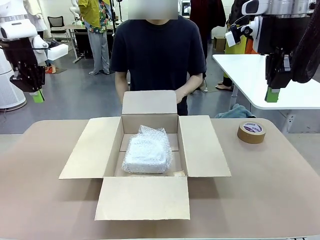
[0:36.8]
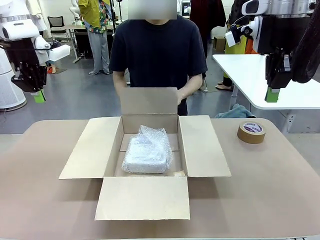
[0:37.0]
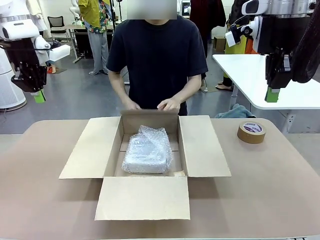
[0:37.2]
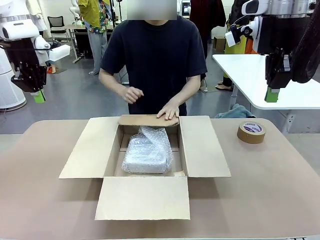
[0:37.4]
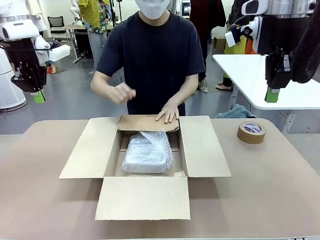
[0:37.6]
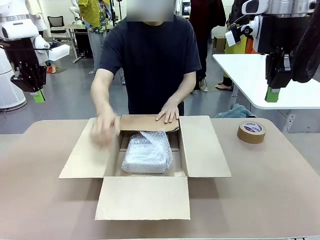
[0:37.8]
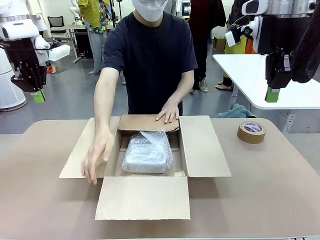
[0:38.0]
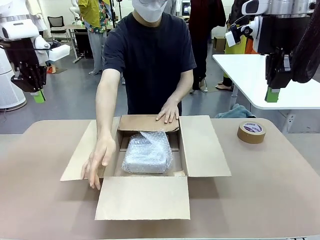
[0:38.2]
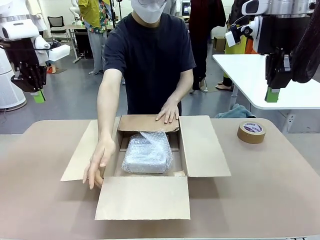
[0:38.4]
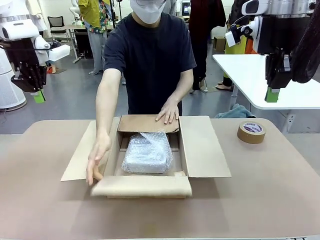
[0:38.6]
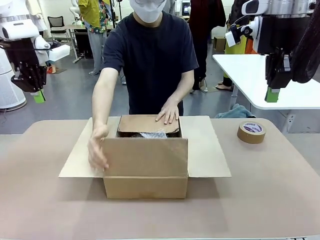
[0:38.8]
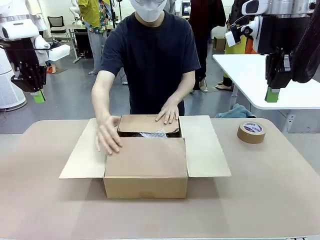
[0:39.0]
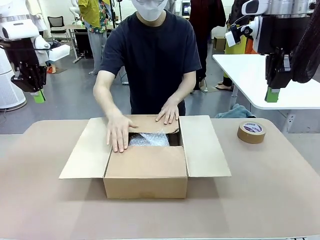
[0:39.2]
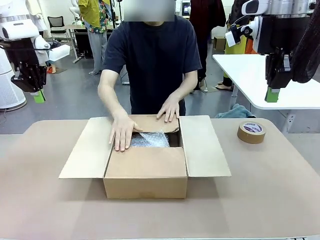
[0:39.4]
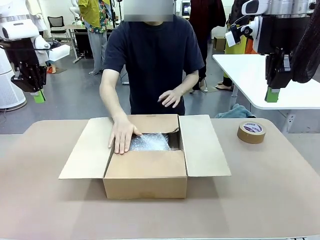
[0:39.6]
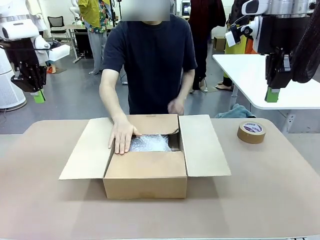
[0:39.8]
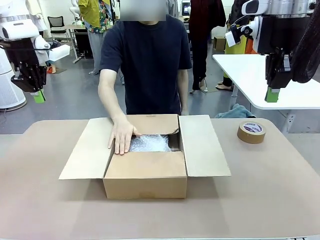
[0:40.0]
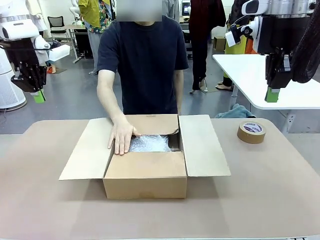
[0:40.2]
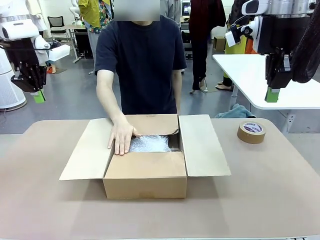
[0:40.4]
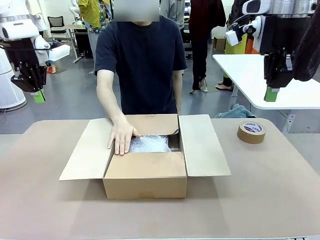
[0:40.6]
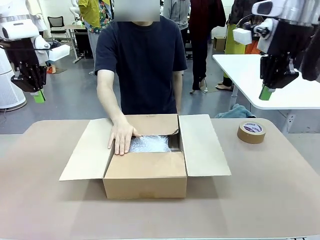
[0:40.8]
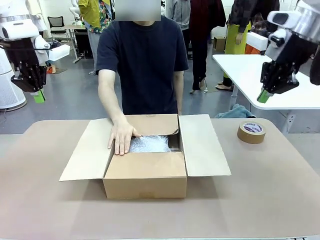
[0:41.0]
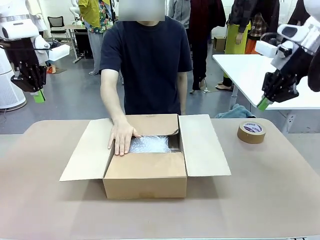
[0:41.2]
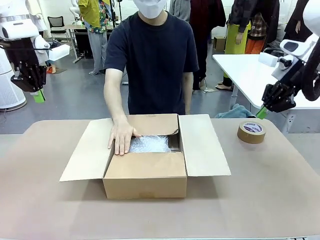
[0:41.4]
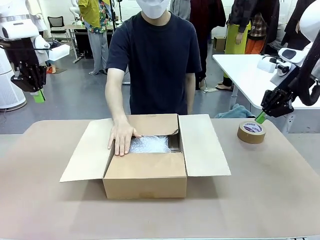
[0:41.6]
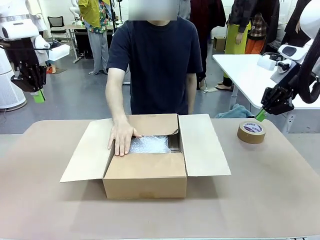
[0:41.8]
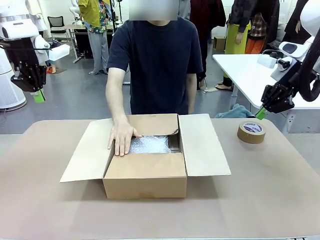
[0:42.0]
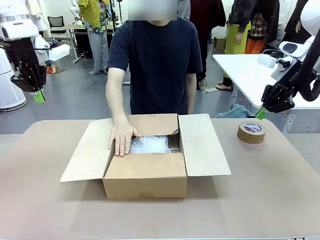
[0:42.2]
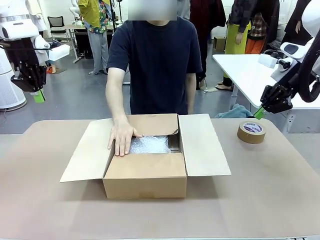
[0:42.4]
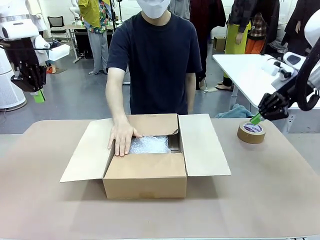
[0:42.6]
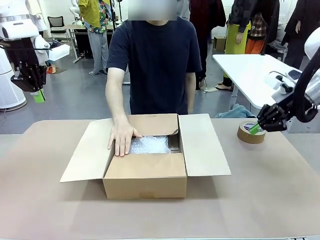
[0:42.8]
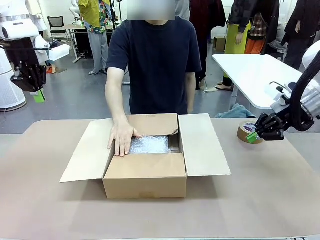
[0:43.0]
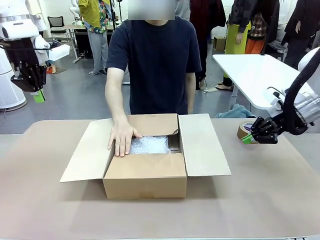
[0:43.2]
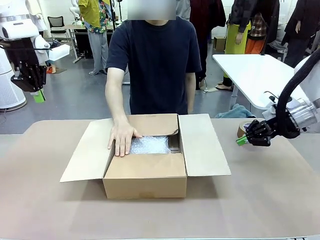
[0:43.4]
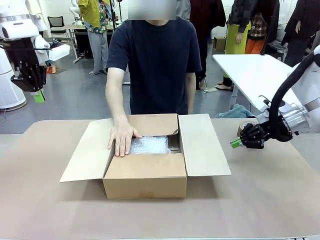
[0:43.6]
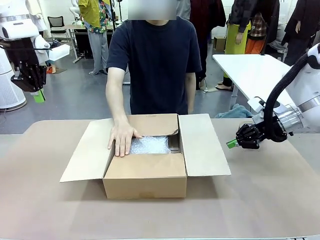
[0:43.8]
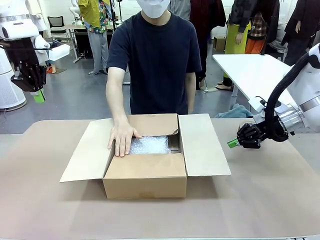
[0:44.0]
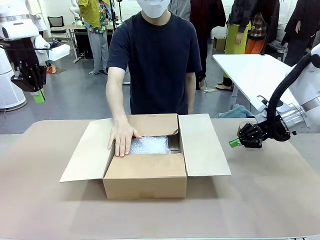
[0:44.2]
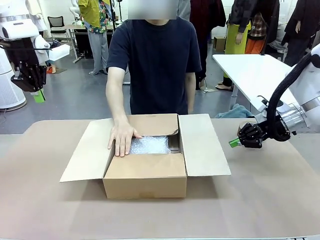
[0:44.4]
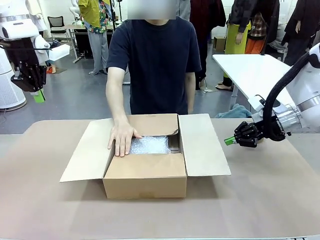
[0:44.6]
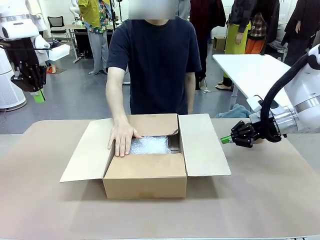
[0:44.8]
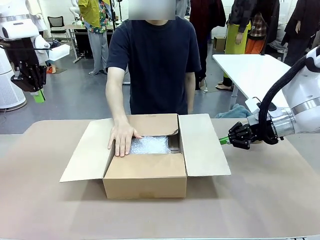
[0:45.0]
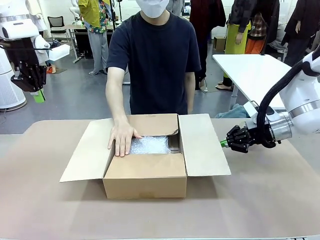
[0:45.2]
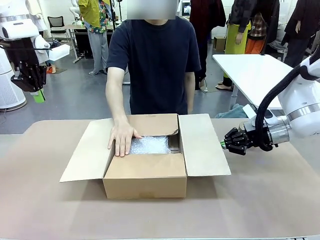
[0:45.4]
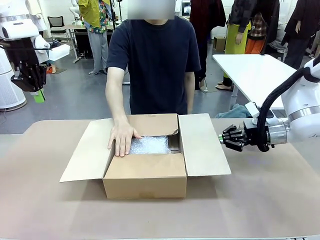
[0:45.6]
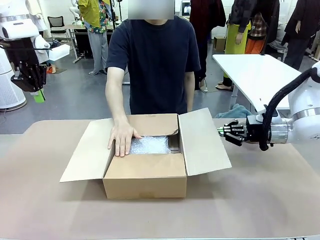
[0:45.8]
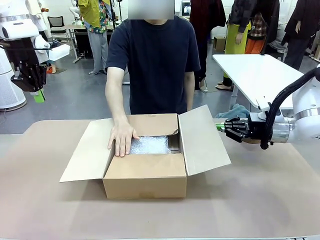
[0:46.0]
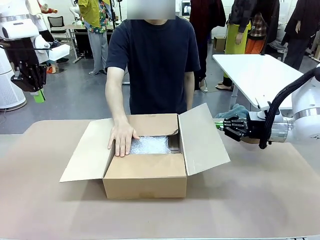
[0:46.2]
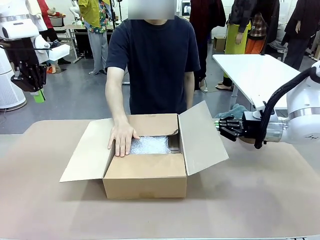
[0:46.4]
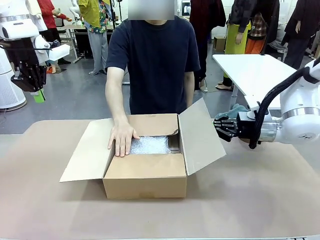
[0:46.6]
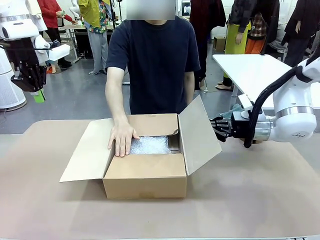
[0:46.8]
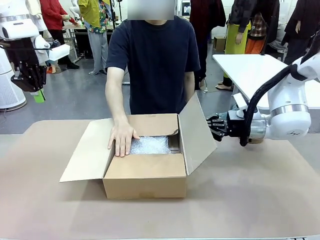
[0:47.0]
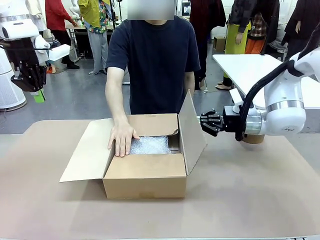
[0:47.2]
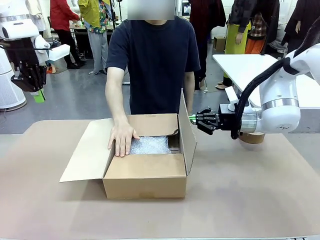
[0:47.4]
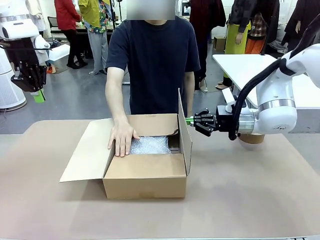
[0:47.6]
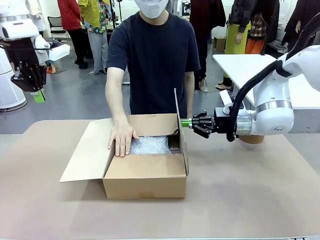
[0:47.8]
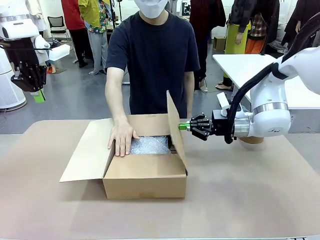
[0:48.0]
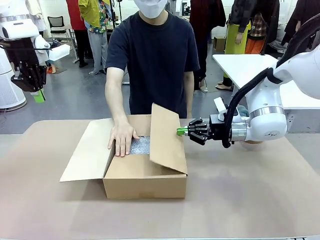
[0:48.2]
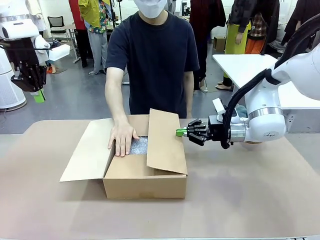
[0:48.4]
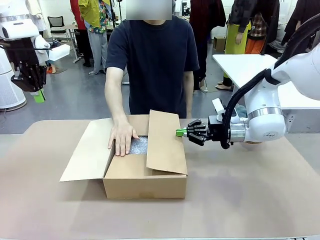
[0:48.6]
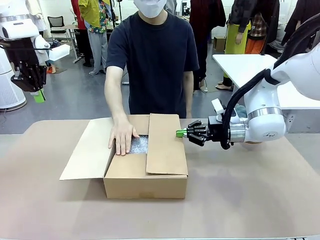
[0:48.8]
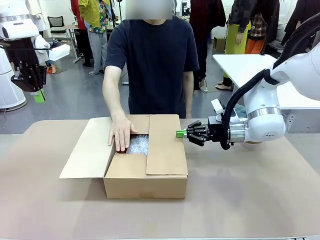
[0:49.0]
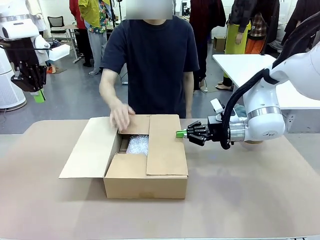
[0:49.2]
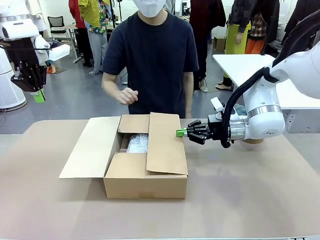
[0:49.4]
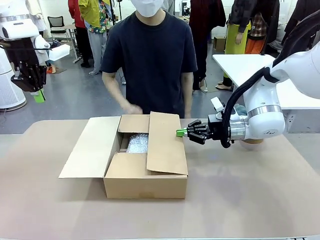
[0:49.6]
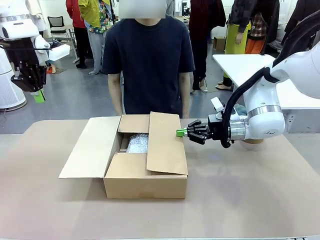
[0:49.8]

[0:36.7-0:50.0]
Task: Wrap the clocks to prevent damage.
Robot: Push the right (or left) flap of the Package Box to close it.
Person: Once the robot closes the right flap of the Package Box , release your left hand from the box.

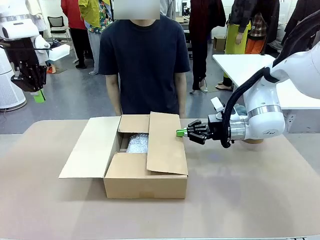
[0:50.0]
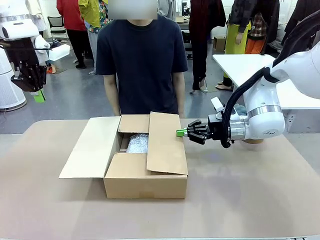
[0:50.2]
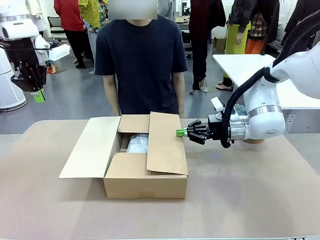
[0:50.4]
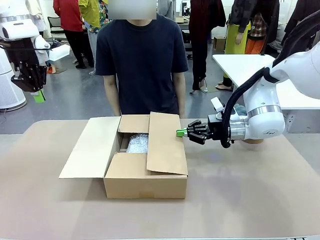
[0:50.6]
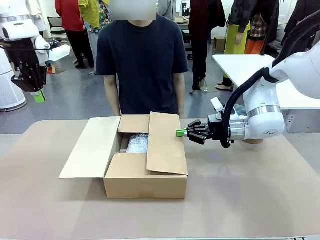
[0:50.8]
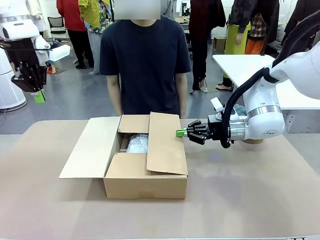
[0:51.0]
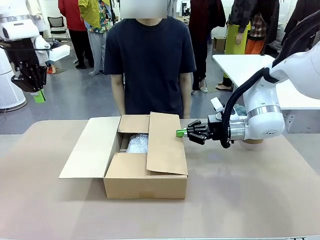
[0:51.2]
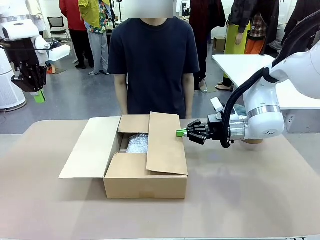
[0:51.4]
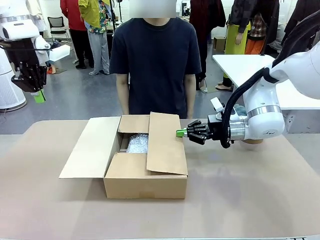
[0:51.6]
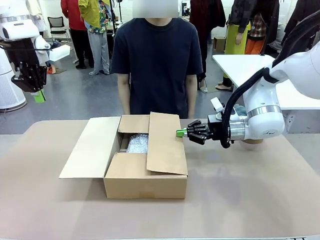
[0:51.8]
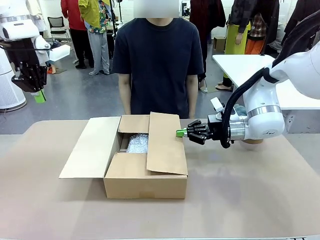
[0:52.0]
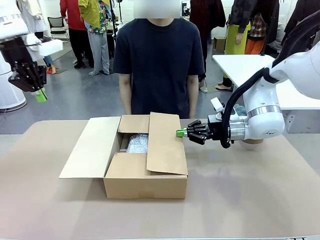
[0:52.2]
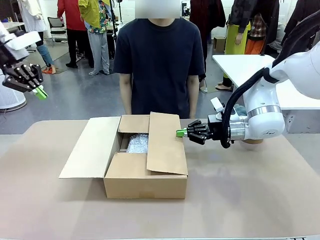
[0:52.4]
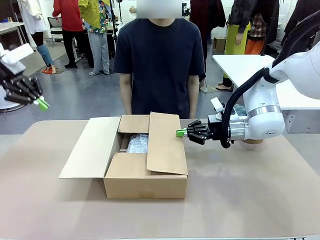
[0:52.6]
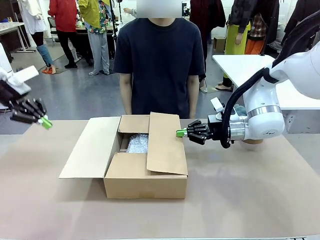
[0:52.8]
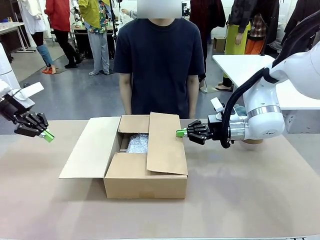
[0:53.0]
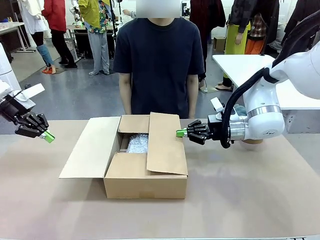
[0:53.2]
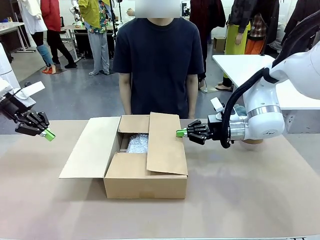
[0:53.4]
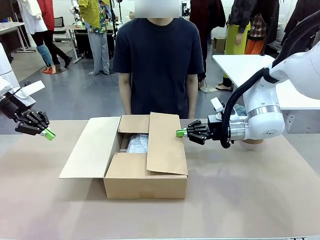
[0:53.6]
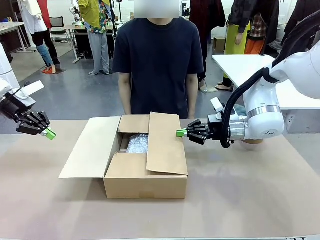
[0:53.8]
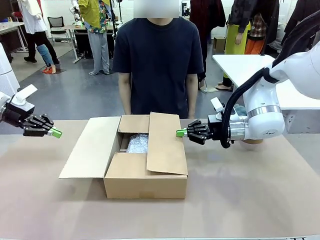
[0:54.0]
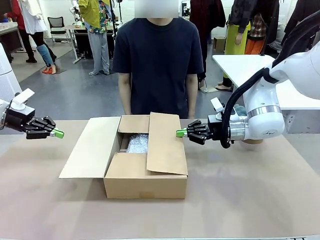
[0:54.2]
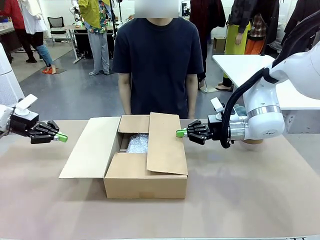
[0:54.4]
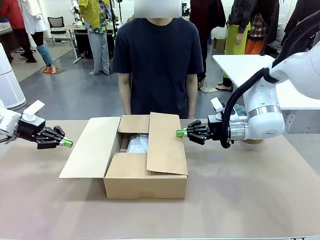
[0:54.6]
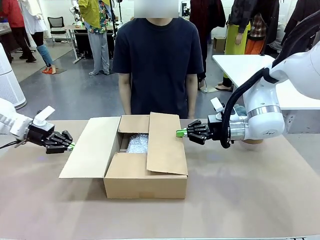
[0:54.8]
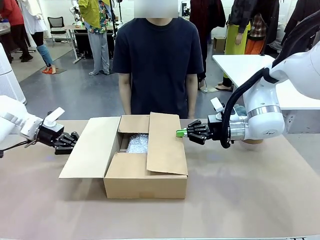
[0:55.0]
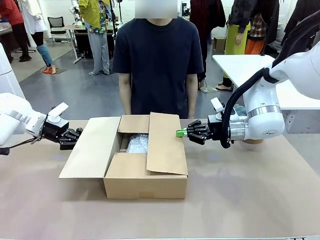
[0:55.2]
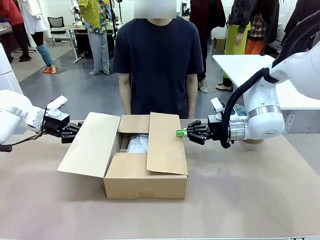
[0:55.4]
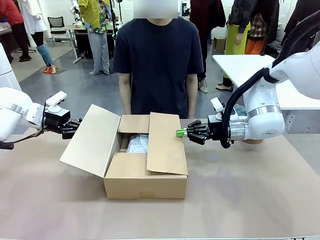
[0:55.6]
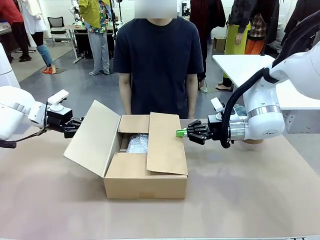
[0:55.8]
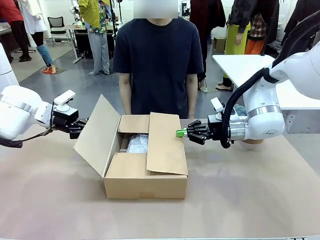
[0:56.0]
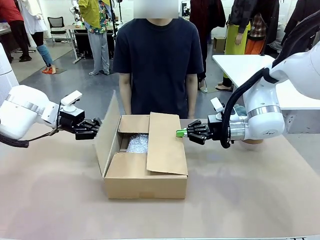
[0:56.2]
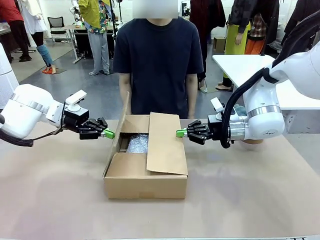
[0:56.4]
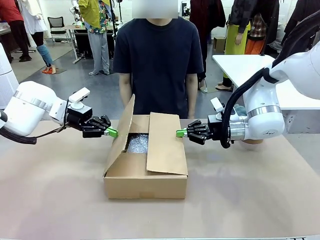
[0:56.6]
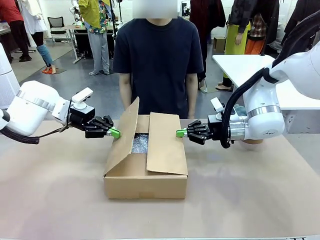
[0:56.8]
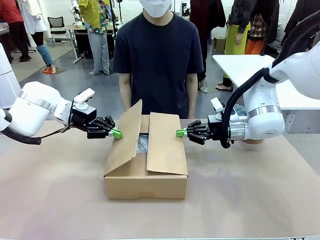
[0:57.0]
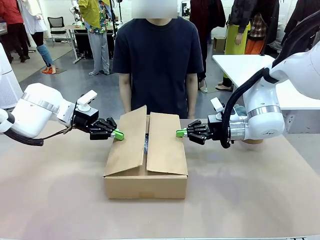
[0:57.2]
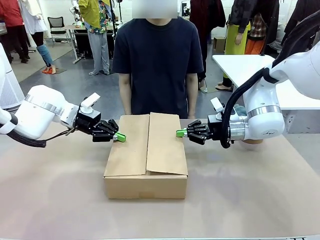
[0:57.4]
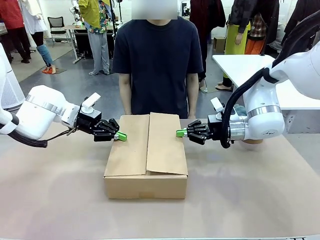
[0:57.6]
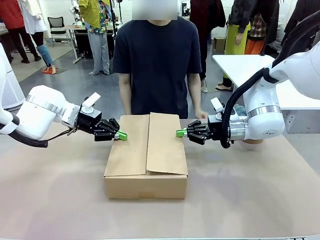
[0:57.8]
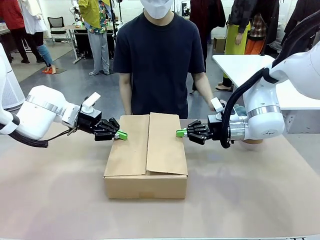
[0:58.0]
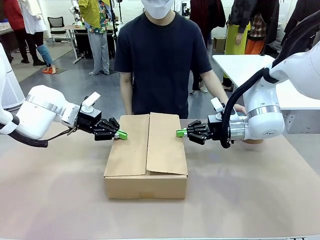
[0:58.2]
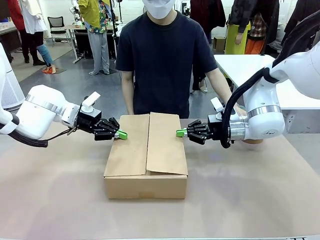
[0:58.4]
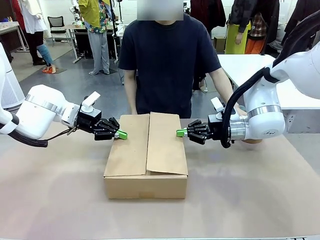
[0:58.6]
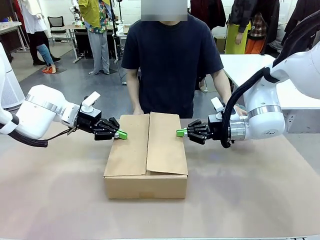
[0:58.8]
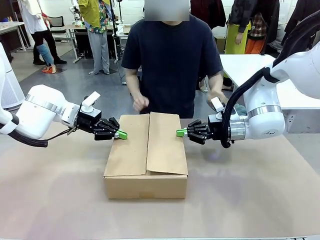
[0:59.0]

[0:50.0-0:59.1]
Robot: Push the left (or right) flap of the Package Box to close it.
